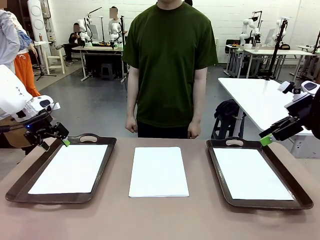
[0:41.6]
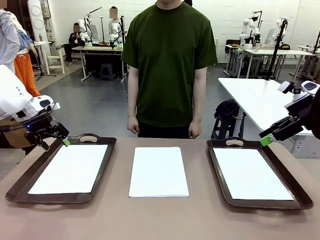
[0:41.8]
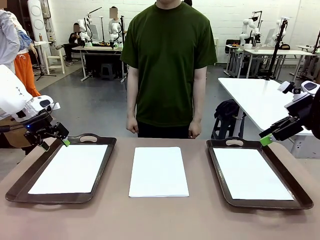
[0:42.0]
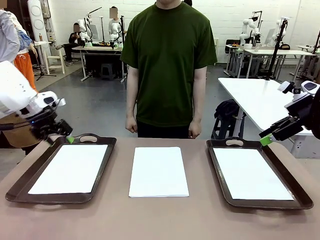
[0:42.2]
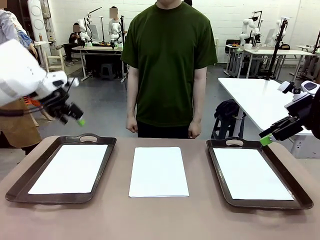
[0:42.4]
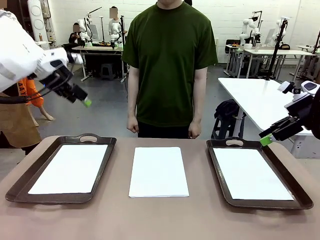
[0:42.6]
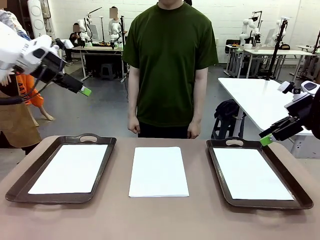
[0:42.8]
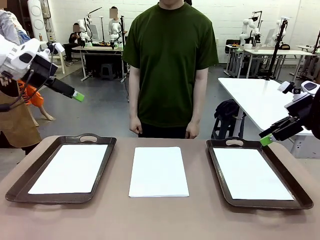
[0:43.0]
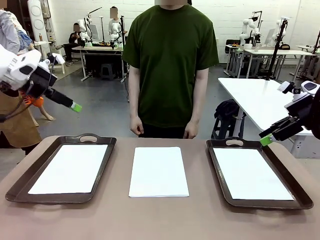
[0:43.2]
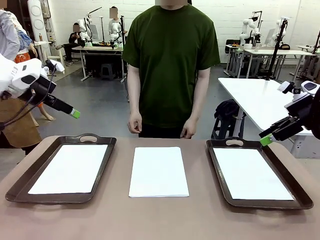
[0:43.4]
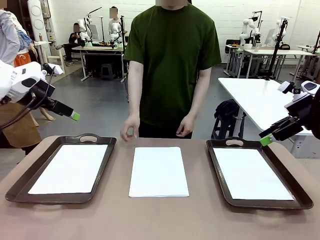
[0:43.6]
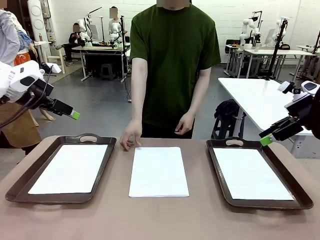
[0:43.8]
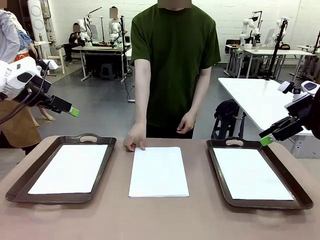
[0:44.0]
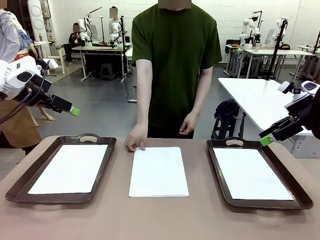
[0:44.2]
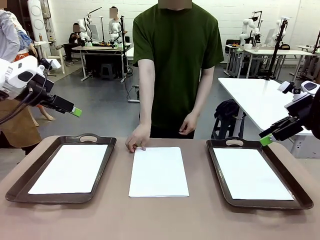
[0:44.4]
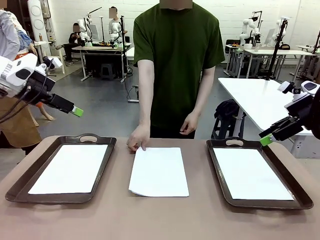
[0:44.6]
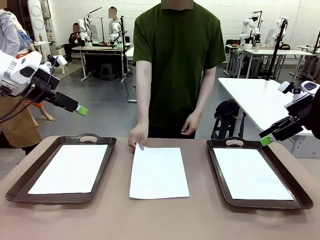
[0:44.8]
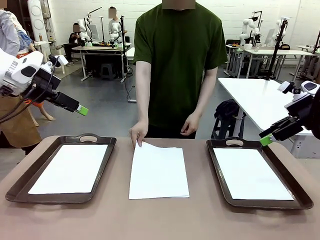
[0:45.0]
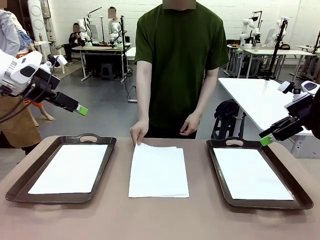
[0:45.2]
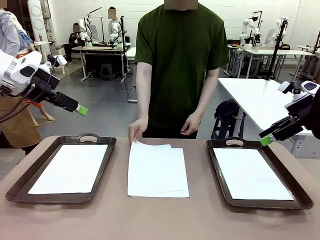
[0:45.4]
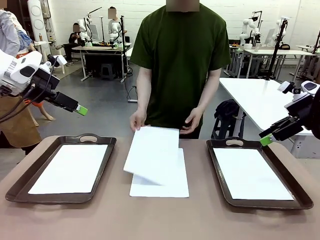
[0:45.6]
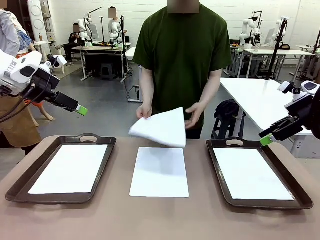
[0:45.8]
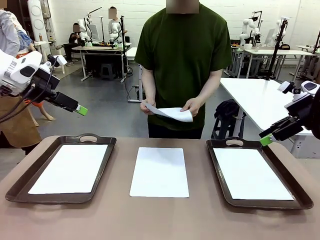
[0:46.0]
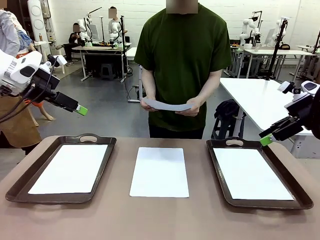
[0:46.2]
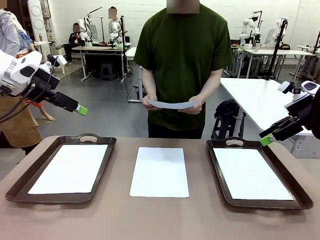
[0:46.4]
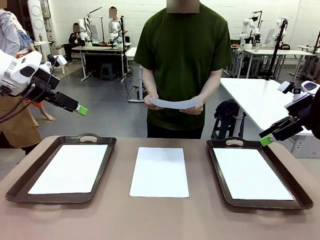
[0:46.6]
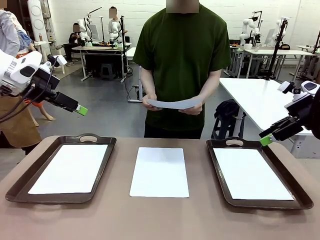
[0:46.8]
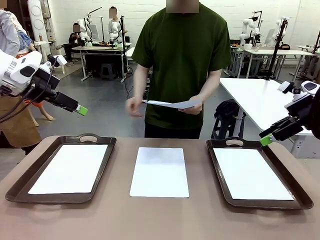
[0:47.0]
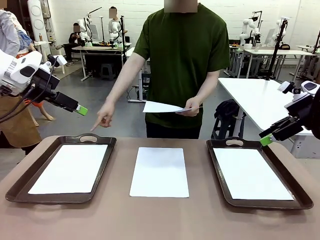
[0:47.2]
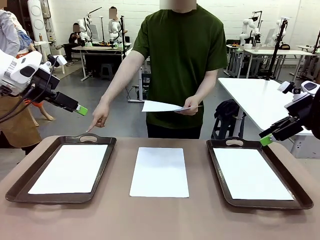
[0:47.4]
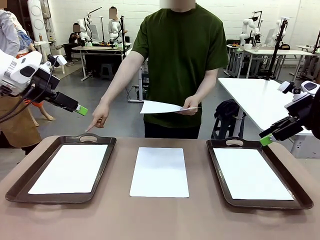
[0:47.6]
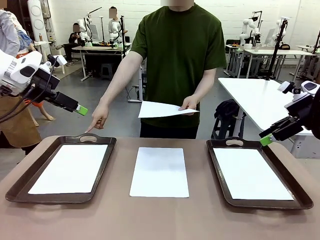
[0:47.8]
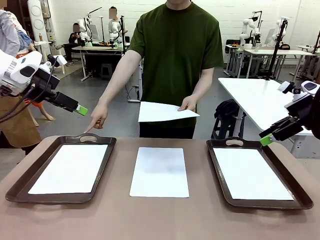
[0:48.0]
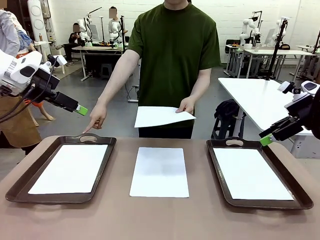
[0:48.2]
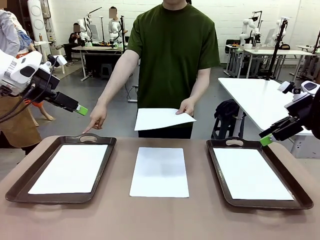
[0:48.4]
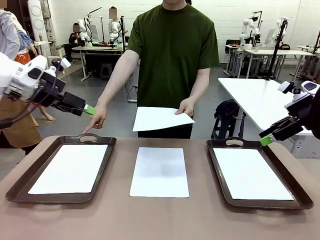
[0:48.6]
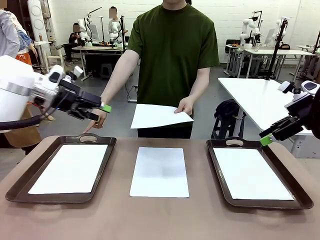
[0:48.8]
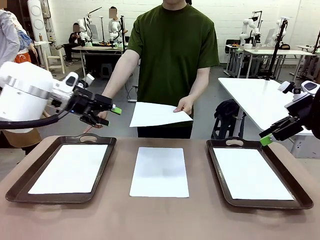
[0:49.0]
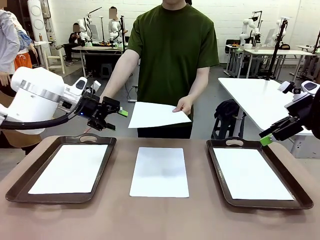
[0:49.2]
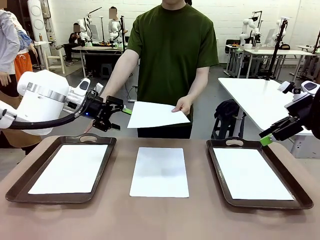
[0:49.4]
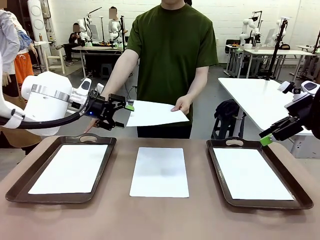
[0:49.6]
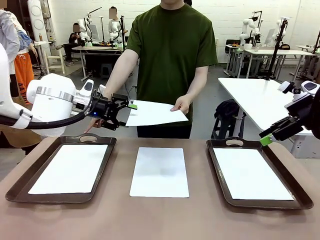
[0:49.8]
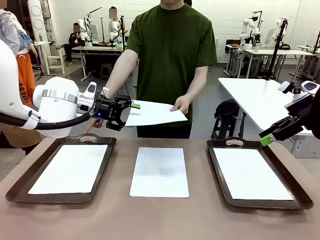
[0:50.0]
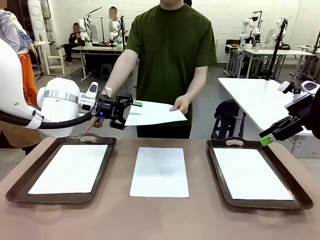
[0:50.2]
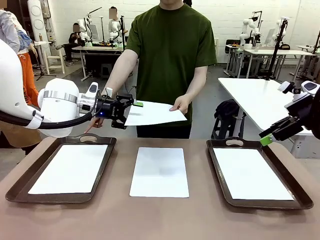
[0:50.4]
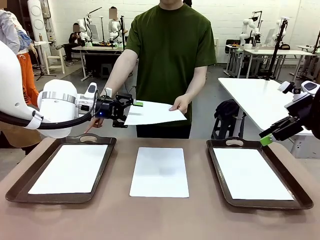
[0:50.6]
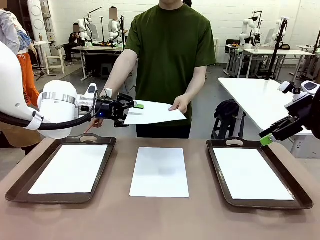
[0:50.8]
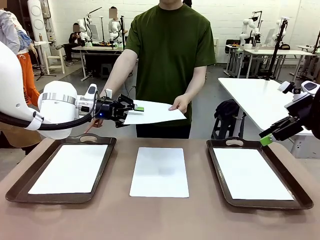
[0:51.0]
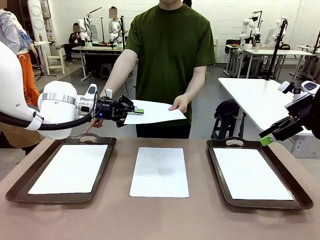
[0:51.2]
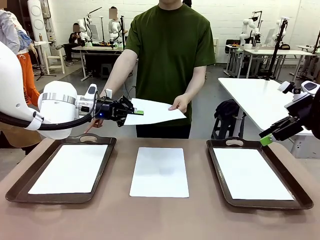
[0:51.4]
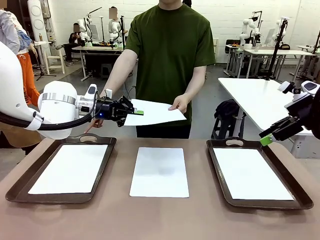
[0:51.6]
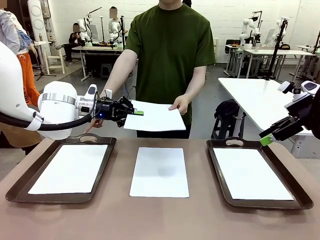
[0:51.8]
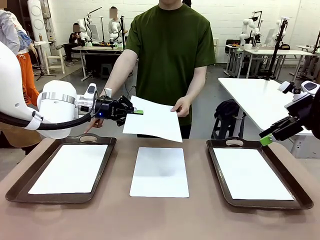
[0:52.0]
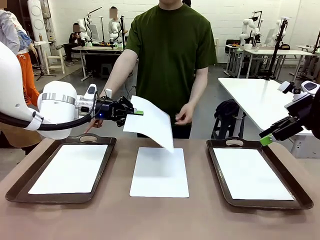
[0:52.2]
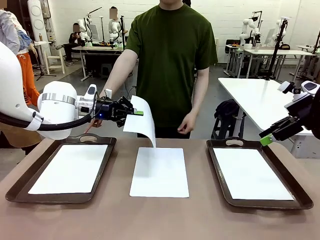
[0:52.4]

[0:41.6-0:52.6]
Task: Sort the A4 documents.
Robot: Receive the A4 Paper.
Person: Point the randomly selected tray with the other hand.

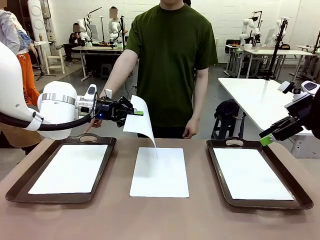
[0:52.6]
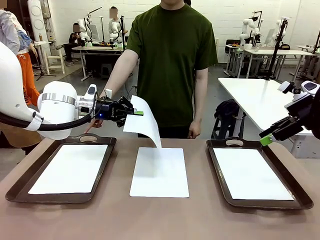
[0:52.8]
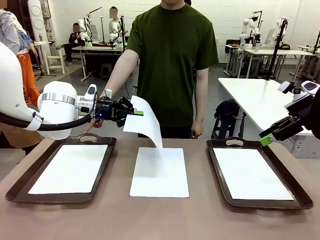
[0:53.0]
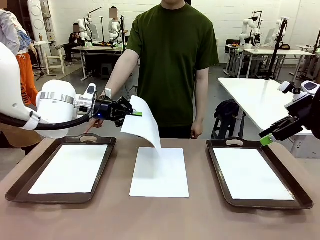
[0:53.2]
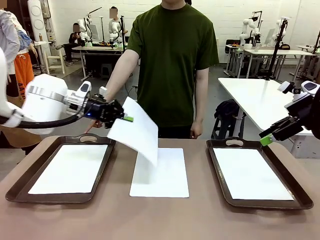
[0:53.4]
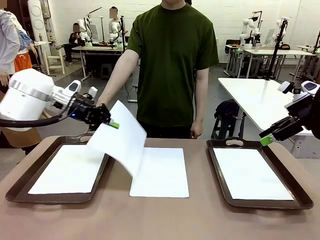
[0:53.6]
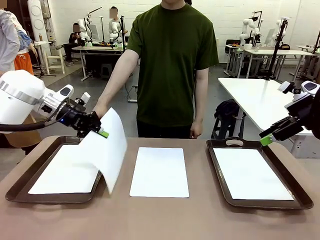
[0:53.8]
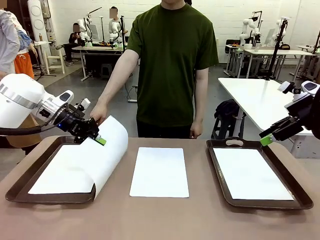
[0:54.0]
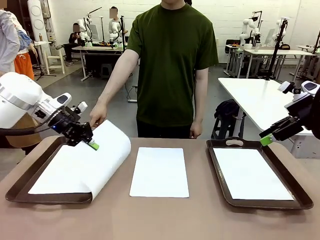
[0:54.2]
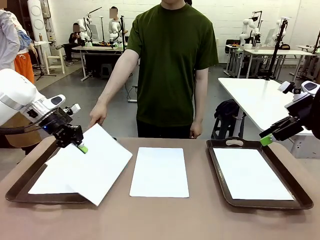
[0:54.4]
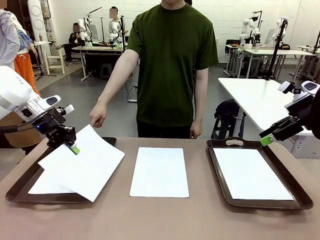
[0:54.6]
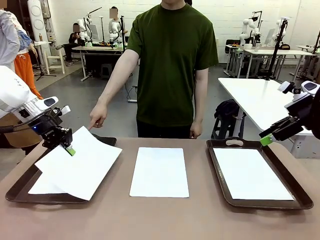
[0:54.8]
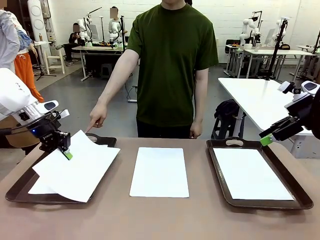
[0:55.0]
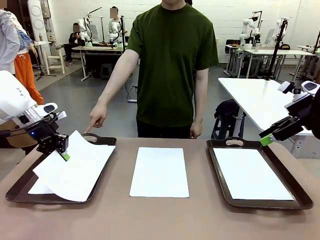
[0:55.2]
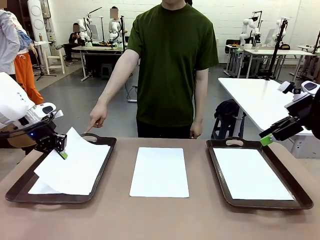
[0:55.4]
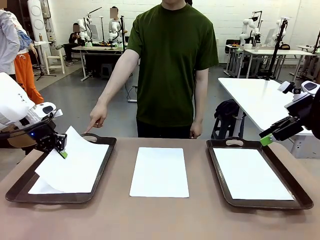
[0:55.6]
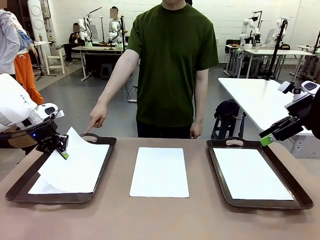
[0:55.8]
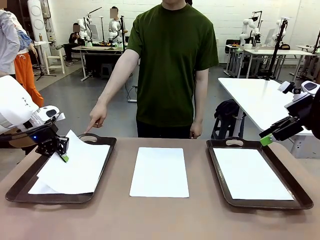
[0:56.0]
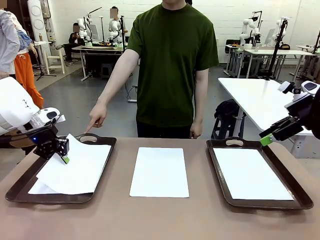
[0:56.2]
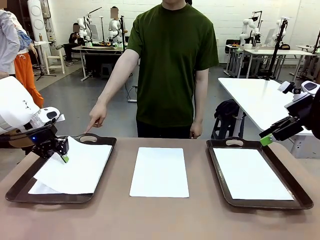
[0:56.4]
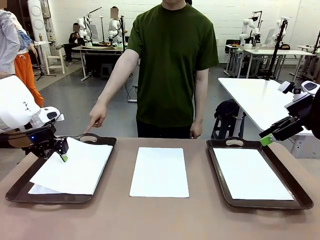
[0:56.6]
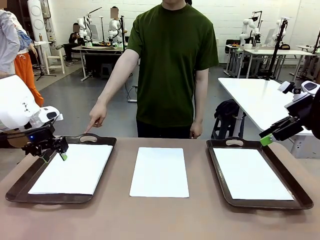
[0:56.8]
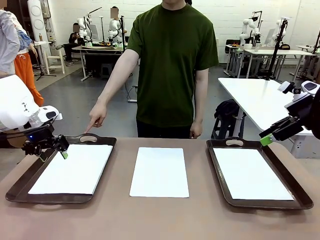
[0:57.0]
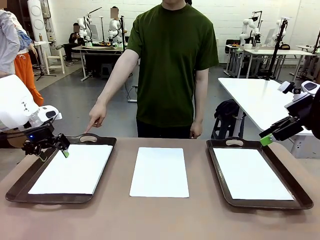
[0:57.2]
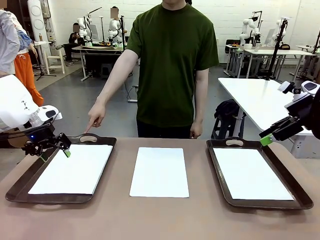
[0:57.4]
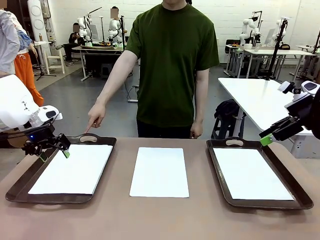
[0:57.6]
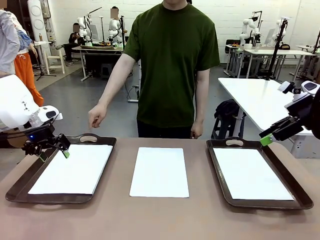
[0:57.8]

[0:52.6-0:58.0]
Robot: Place the A4 Paper in the designated Handle tray.

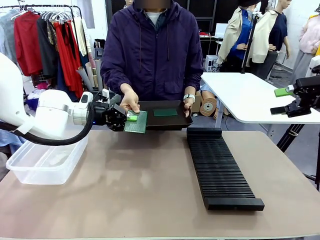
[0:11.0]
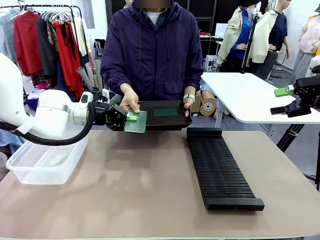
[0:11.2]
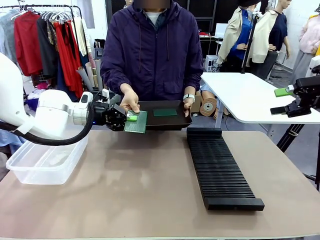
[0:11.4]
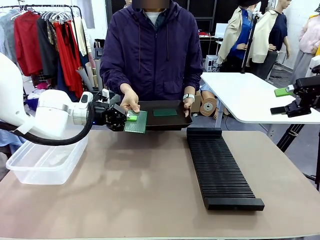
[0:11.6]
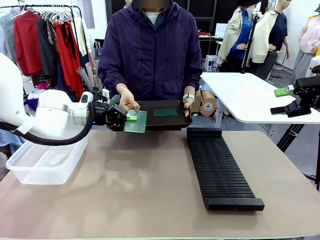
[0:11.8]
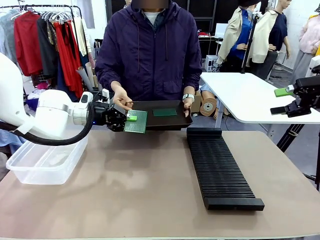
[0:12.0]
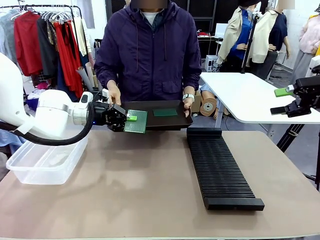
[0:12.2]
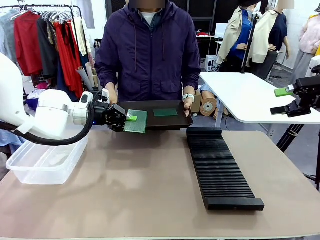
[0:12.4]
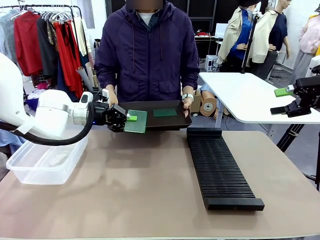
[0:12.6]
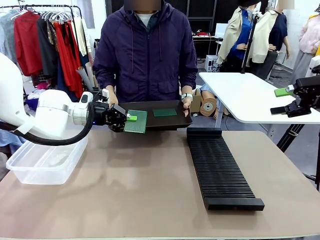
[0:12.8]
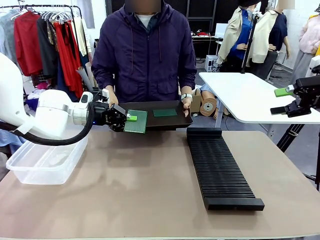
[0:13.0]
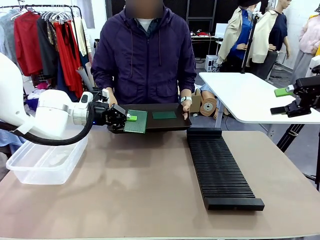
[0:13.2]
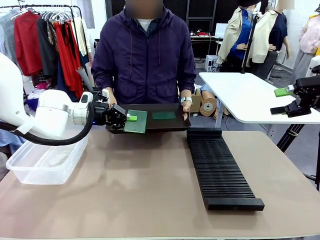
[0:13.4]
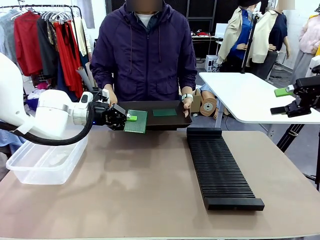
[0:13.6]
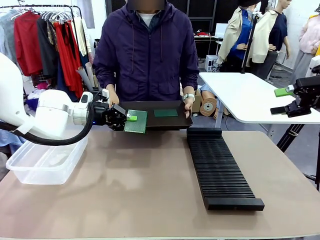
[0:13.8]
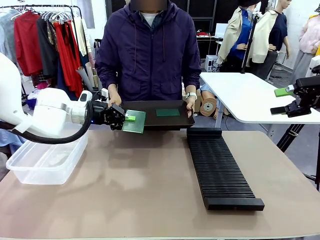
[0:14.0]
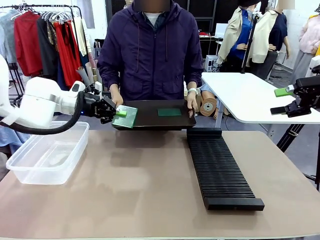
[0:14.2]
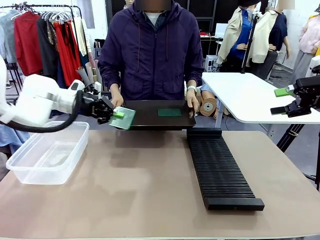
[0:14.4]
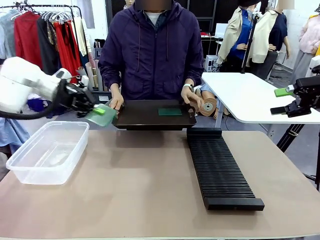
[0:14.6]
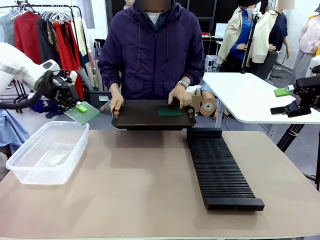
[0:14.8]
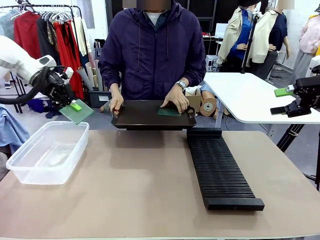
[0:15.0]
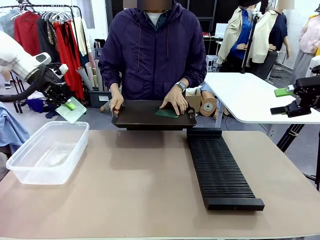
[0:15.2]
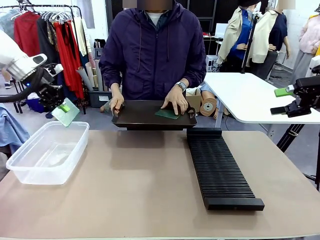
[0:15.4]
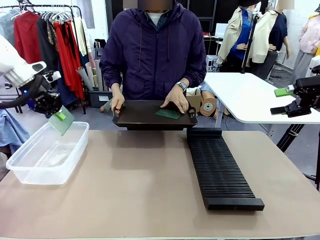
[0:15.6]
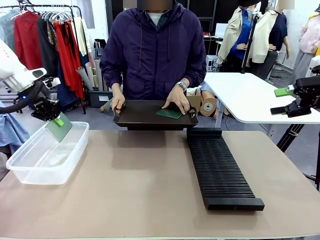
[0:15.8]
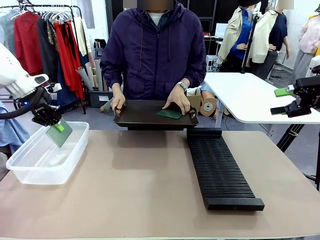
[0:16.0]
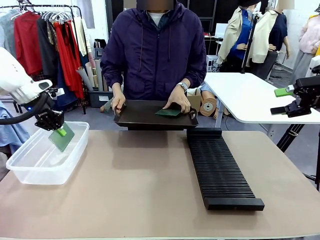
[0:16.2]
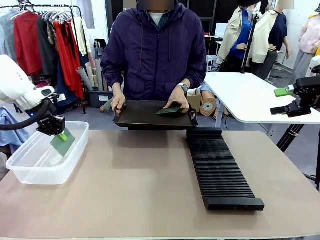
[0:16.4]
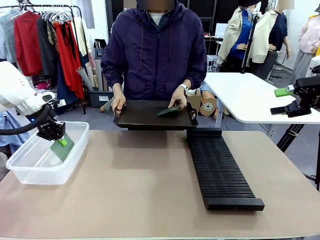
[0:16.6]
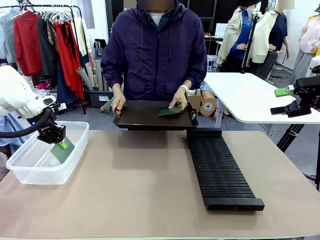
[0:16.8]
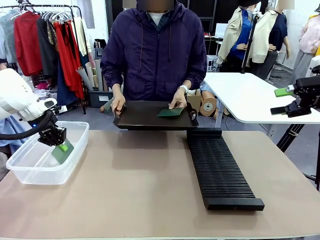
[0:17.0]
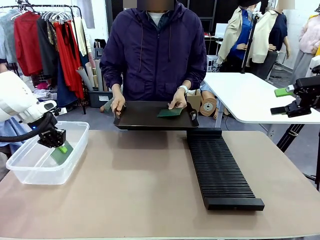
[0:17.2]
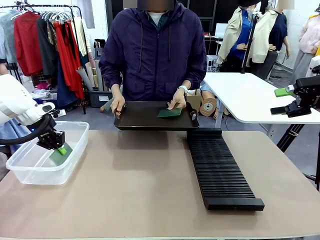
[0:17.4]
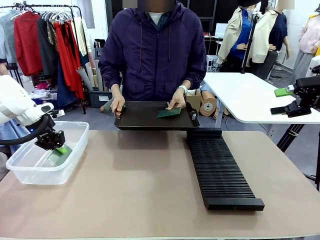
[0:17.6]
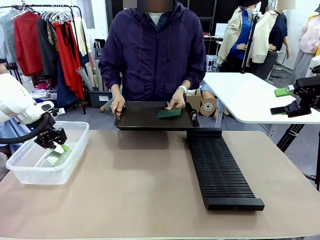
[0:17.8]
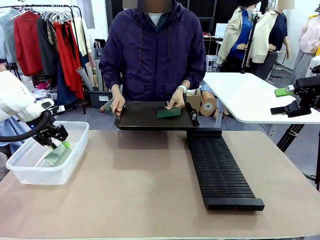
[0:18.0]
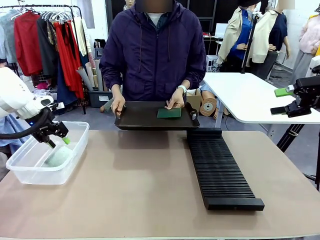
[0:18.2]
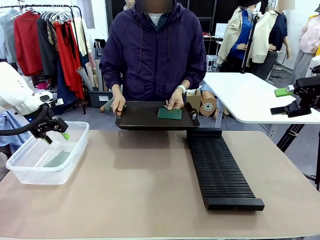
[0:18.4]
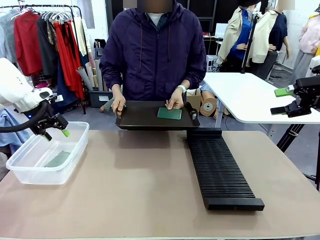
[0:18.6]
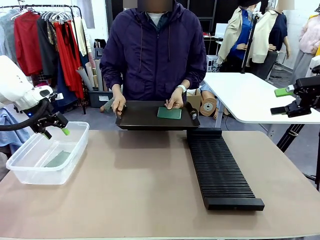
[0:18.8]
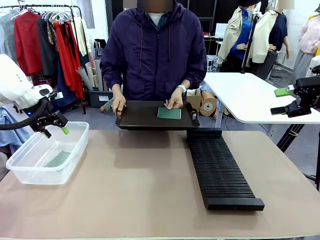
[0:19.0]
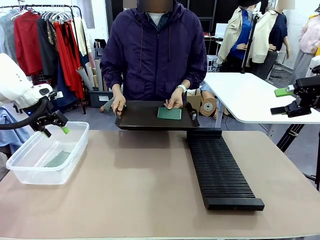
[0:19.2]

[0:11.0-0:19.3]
Task: Sort PCBs into racks and boxes based on the side picked up.
Robot: If the short side of the Blank PCB is picked up, insert it into the PCB Rack ; if the long side is picked up, place it in the Organizing box.
Person: Pick one PCB from the tray and present it to the robot.
